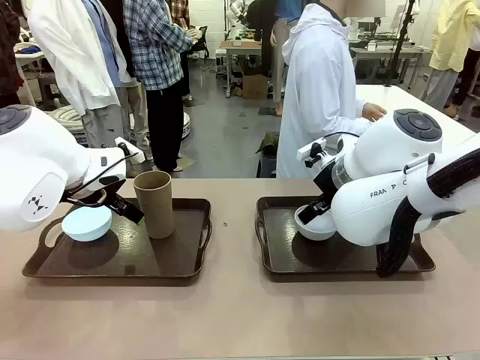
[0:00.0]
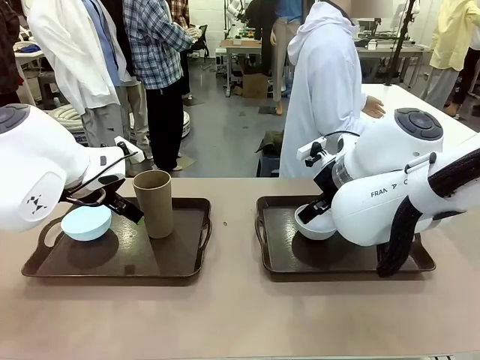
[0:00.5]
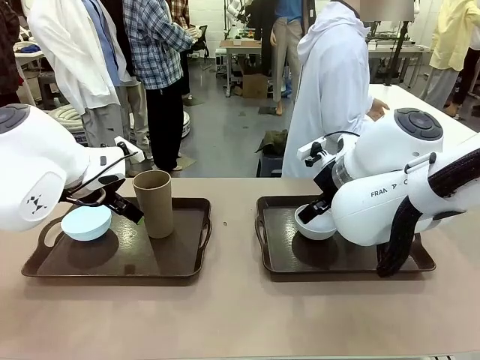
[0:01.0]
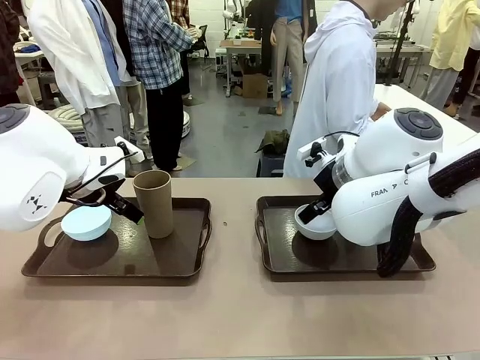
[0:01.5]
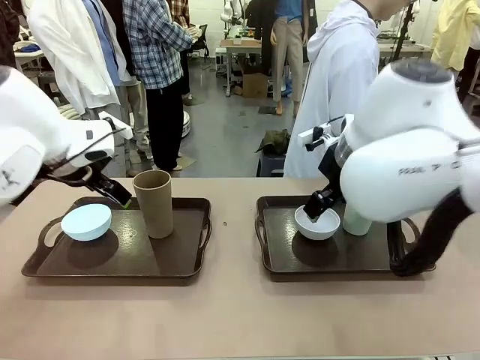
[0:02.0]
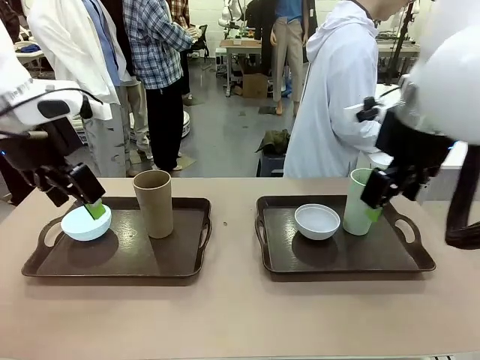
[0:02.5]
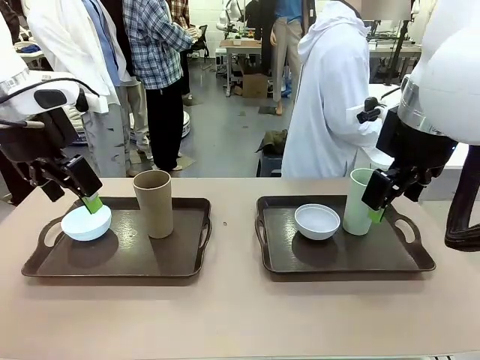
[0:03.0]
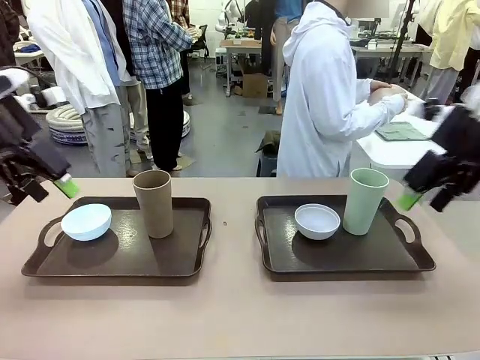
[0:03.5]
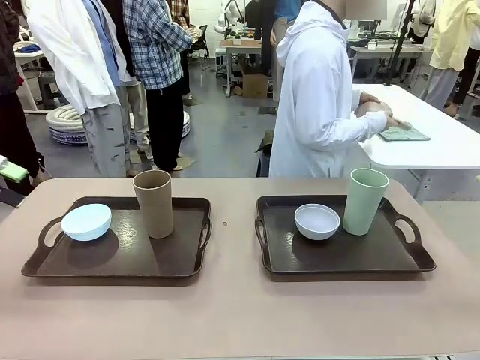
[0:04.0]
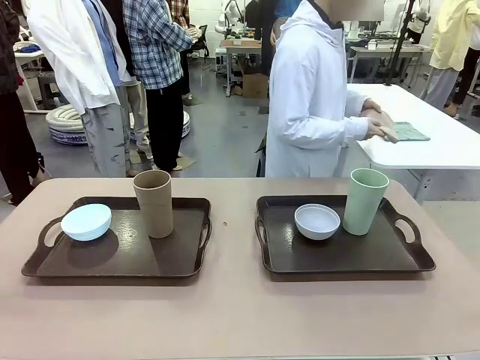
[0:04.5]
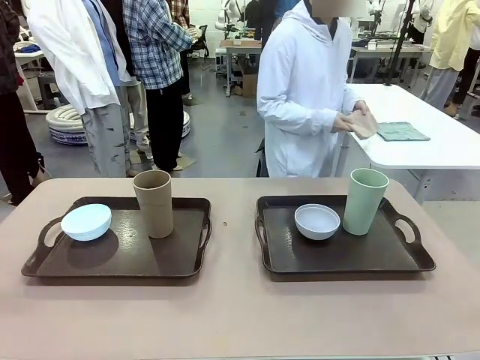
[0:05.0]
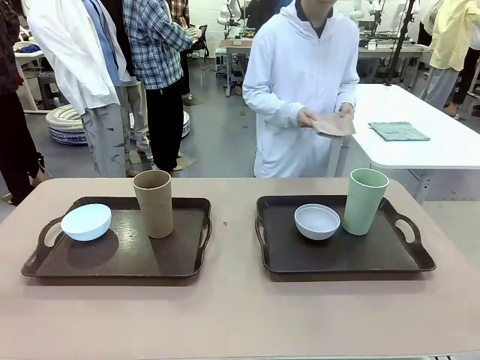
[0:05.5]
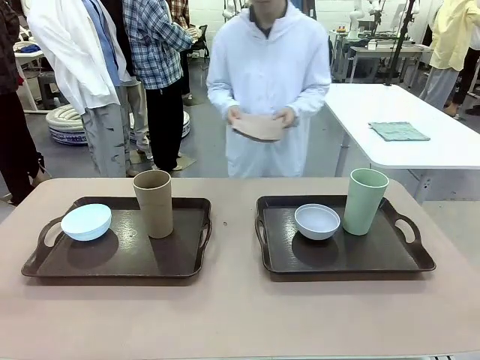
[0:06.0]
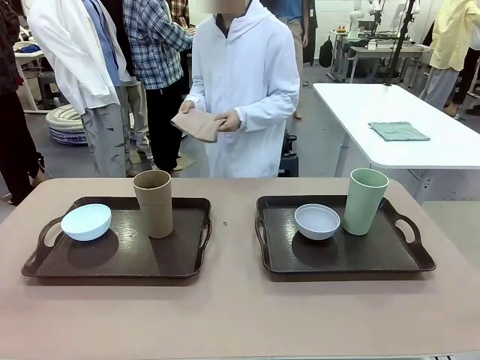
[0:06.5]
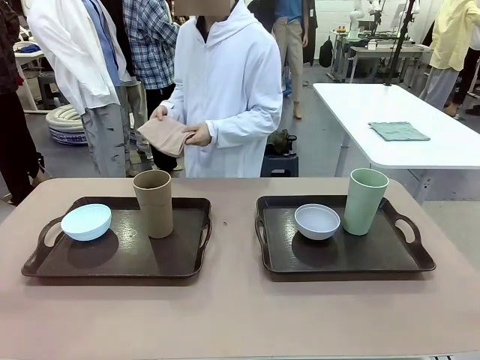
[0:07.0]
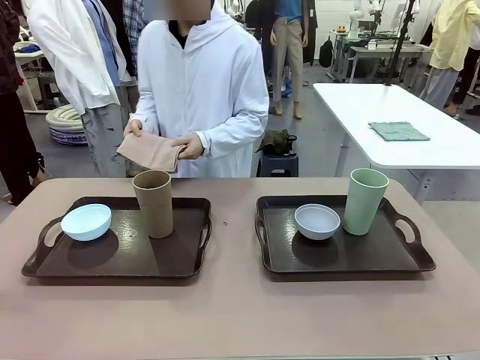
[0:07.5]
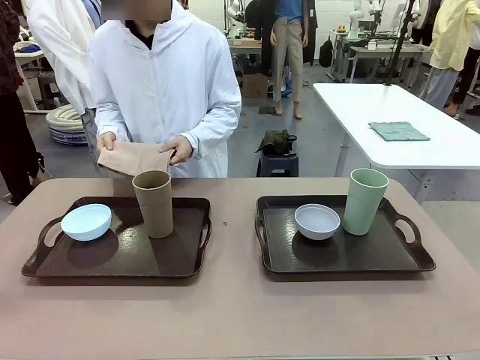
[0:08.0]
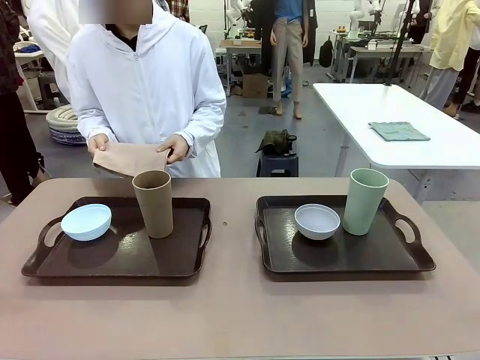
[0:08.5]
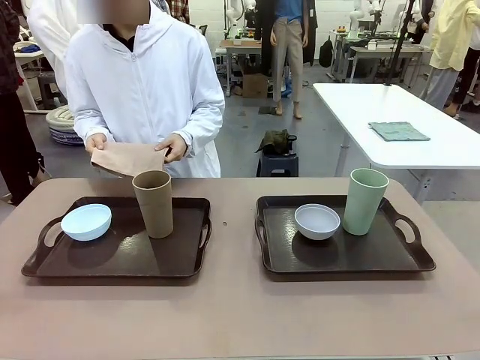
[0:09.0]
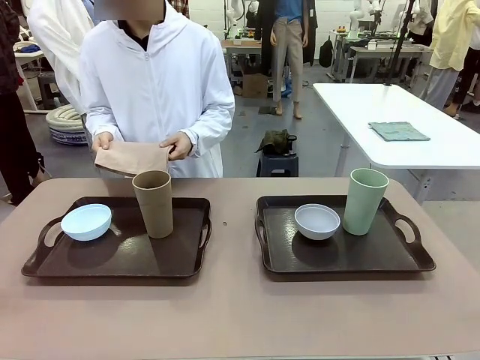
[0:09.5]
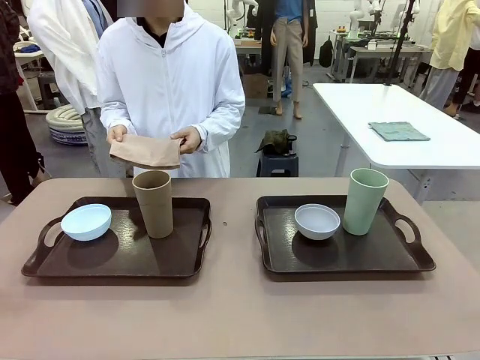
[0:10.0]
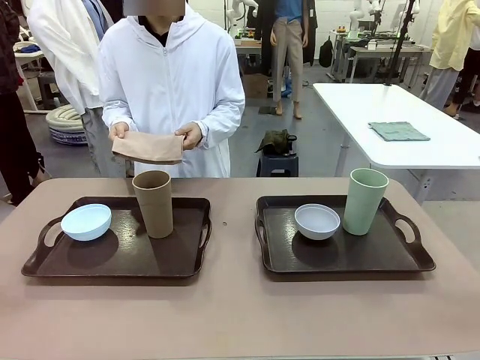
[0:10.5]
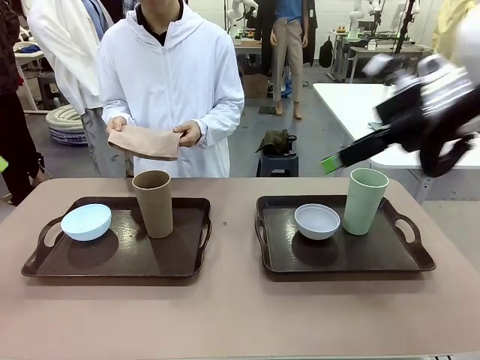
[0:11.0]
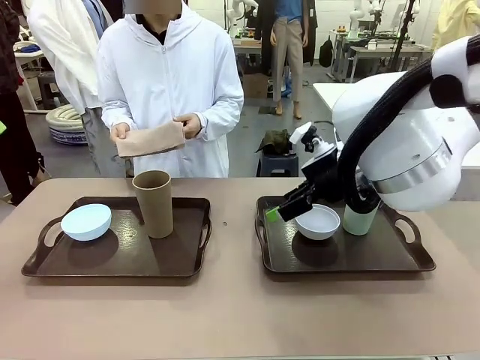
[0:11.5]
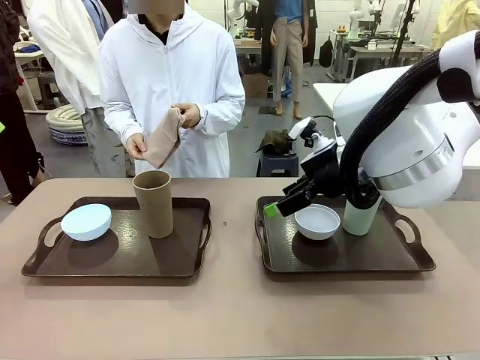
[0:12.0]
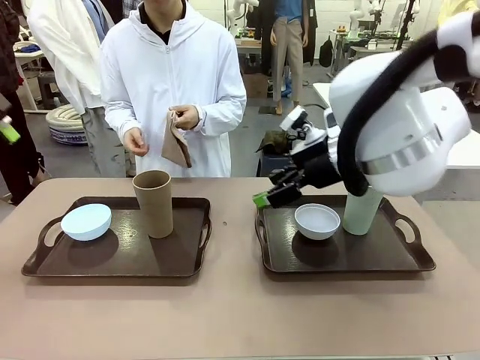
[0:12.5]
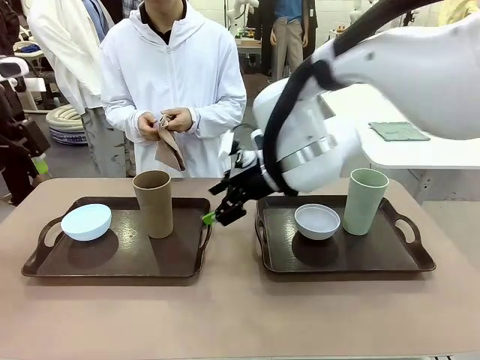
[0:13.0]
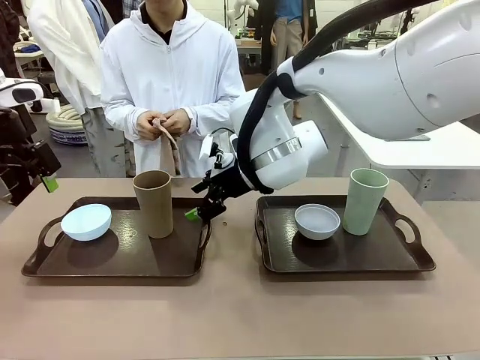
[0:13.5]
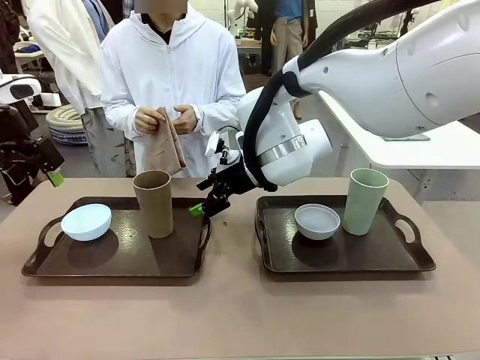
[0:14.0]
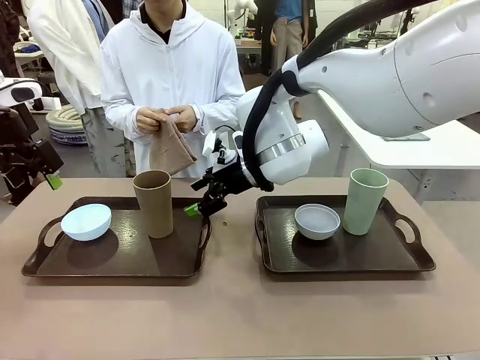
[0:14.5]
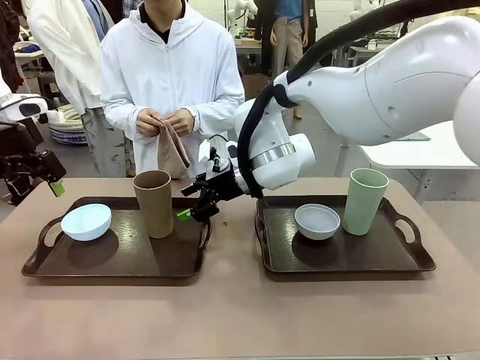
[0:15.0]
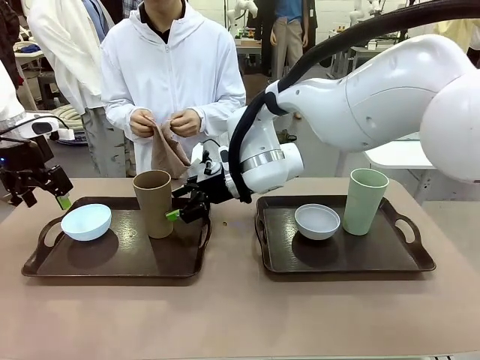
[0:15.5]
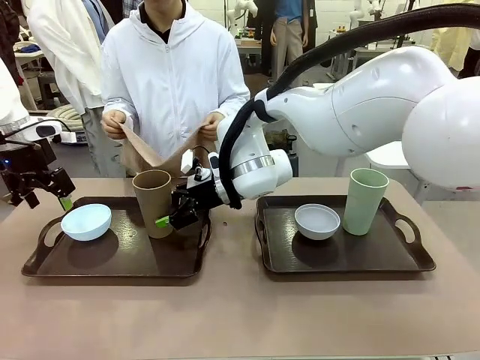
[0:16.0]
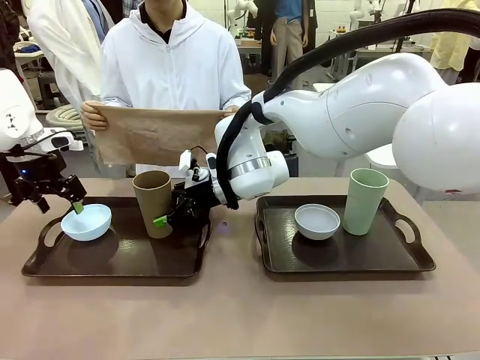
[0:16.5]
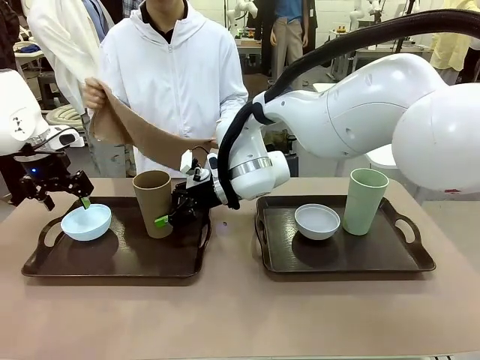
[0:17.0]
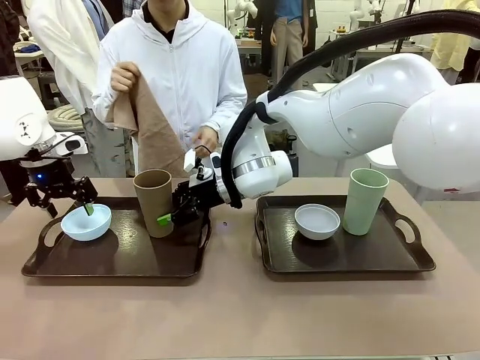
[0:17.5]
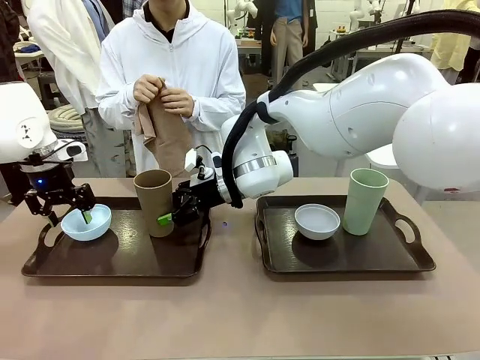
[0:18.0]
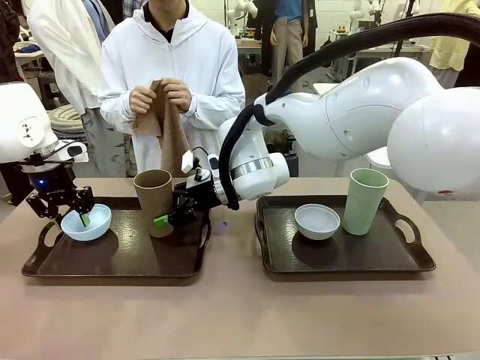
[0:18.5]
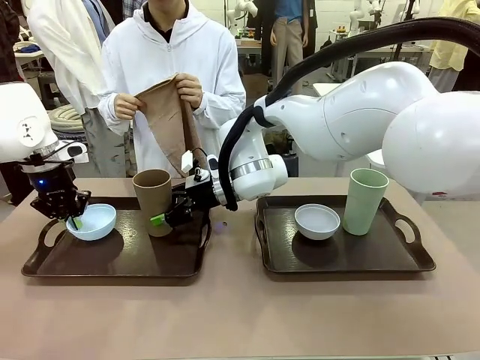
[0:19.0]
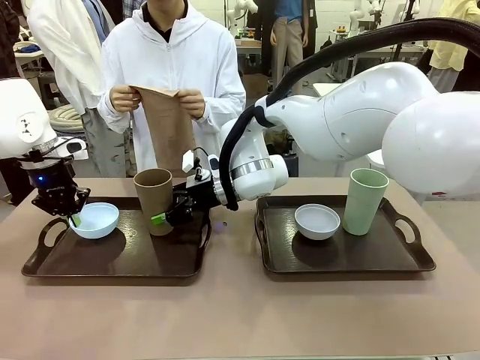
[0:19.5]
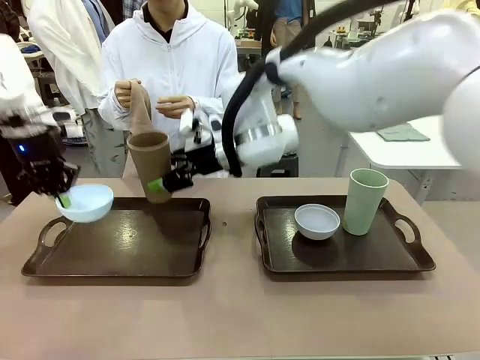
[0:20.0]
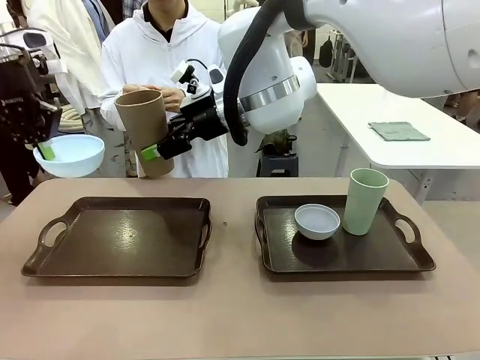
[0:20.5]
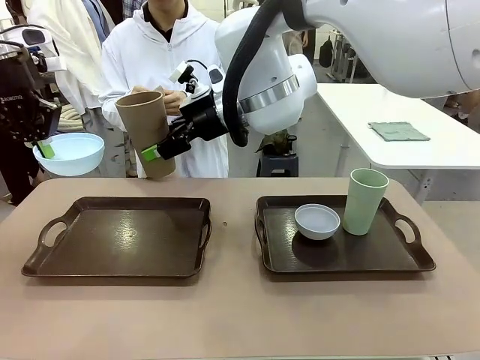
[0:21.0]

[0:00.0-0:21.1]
Robot: Pick up the Picnic Bowl and Reusable plastic cup from the Handle tray in front of the human's position and hold them in the air.
Person: The human picks up the top napkin from the stack on the human table and walks to the robot table to stand in front of one of the two trays. When the robot lifts the bowl and the cup, the human unfolds the napkin and lays the napkin flat on the tray.
